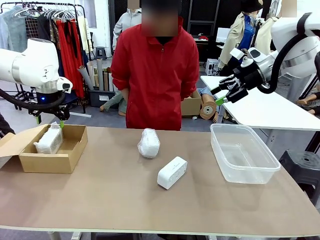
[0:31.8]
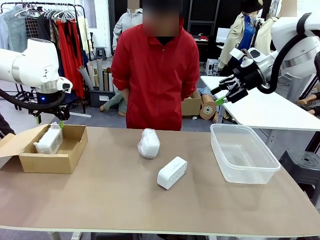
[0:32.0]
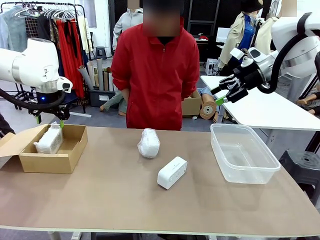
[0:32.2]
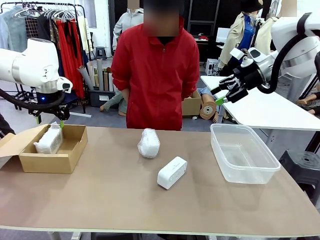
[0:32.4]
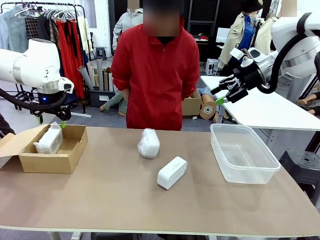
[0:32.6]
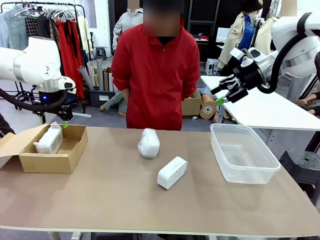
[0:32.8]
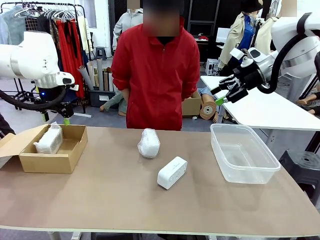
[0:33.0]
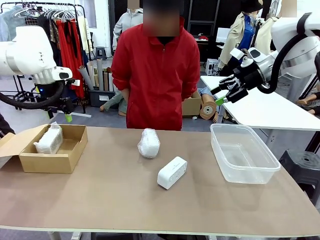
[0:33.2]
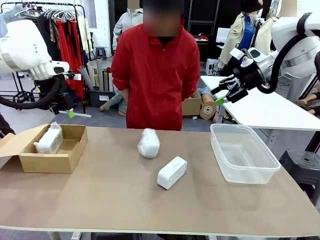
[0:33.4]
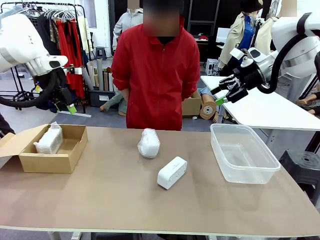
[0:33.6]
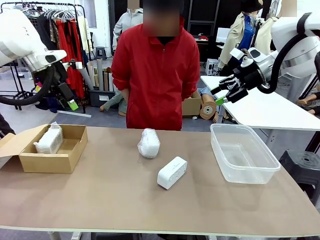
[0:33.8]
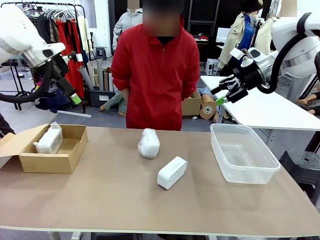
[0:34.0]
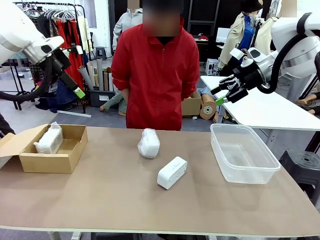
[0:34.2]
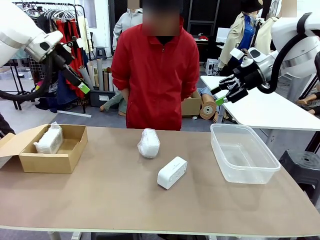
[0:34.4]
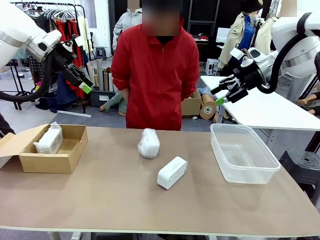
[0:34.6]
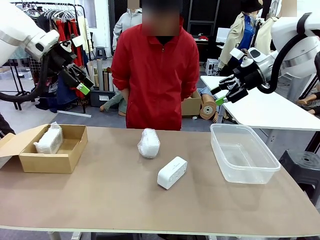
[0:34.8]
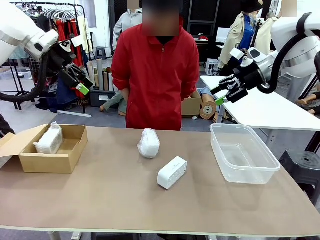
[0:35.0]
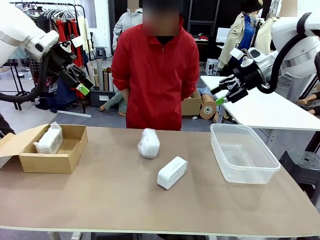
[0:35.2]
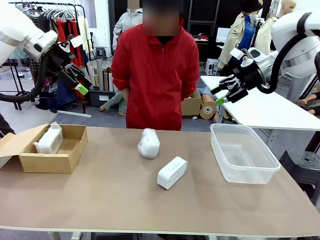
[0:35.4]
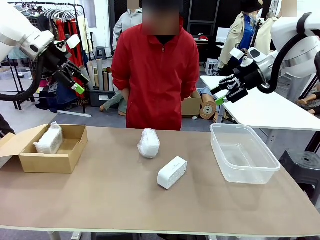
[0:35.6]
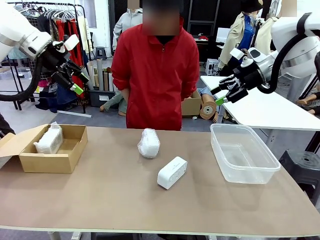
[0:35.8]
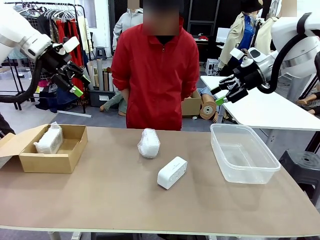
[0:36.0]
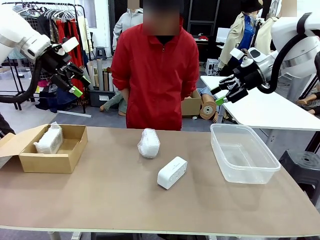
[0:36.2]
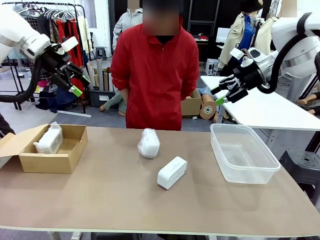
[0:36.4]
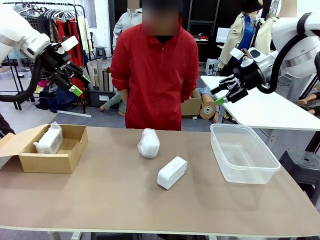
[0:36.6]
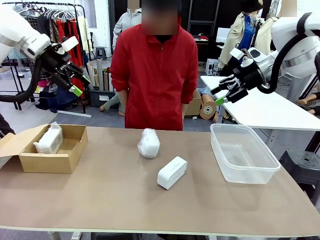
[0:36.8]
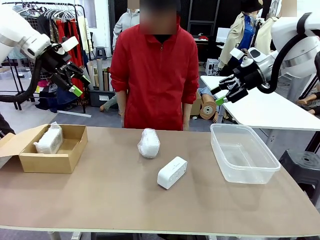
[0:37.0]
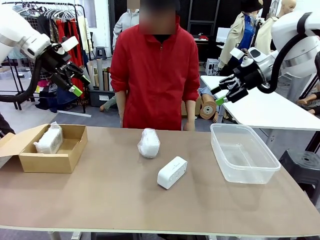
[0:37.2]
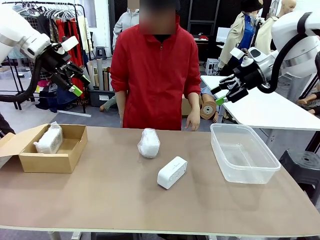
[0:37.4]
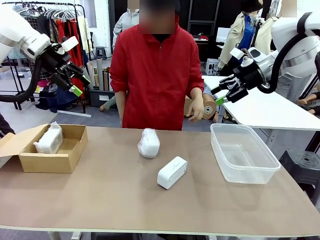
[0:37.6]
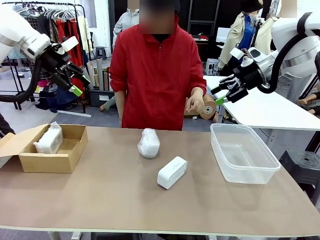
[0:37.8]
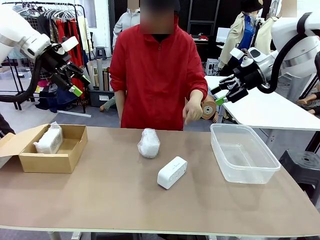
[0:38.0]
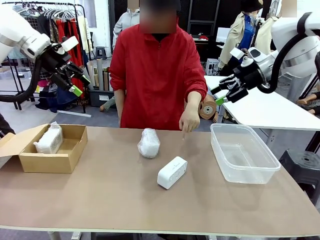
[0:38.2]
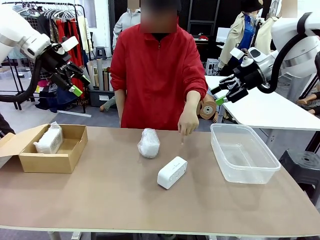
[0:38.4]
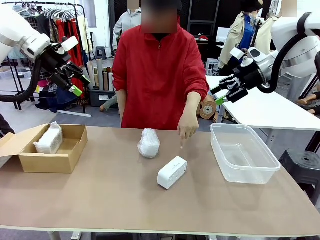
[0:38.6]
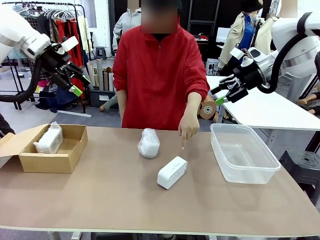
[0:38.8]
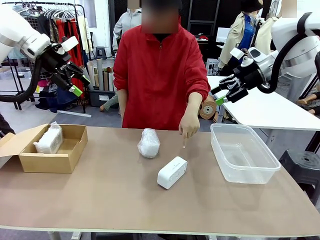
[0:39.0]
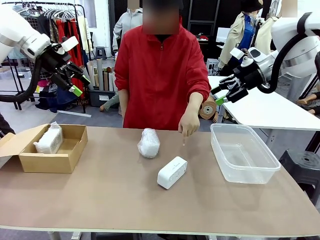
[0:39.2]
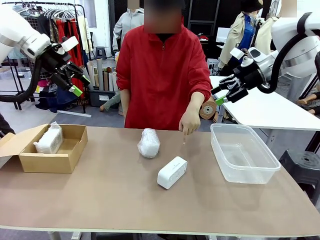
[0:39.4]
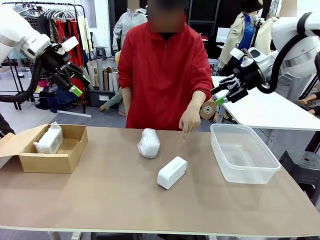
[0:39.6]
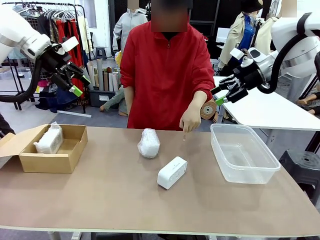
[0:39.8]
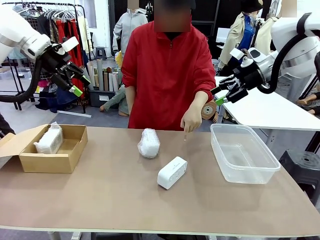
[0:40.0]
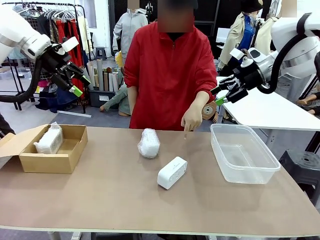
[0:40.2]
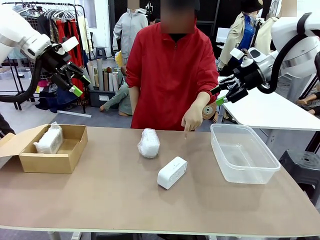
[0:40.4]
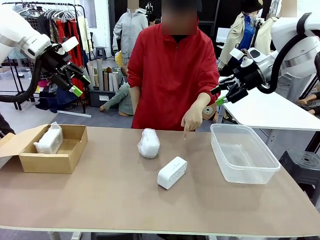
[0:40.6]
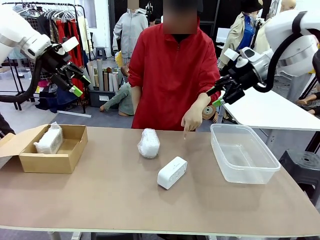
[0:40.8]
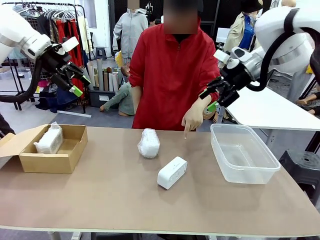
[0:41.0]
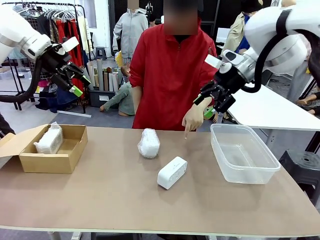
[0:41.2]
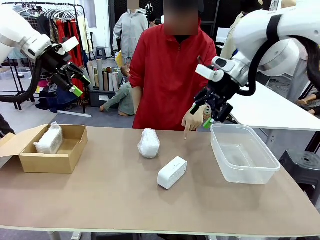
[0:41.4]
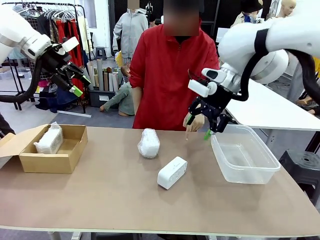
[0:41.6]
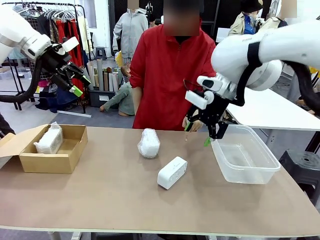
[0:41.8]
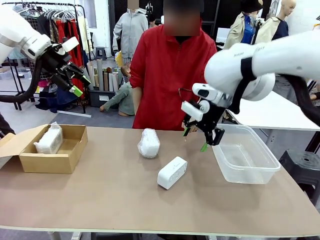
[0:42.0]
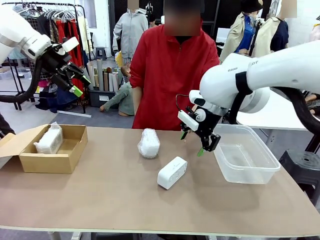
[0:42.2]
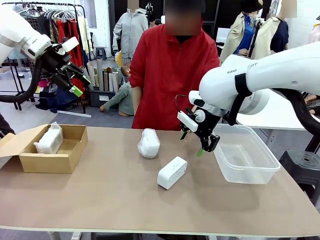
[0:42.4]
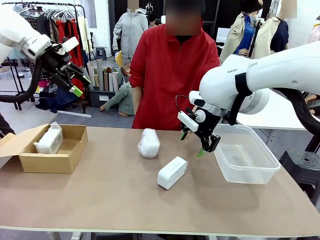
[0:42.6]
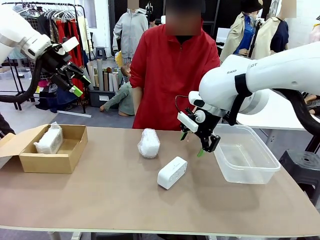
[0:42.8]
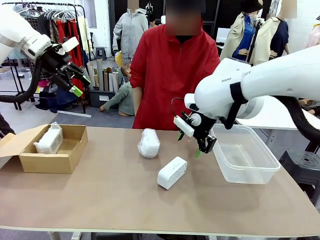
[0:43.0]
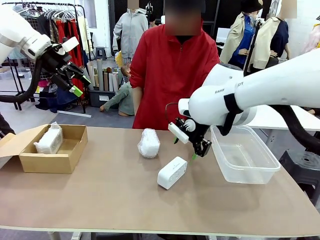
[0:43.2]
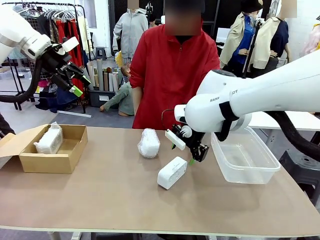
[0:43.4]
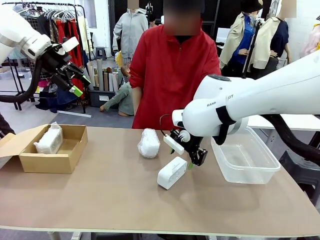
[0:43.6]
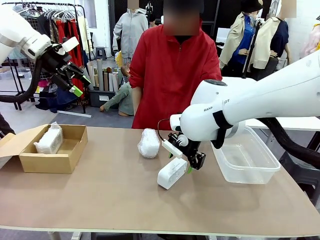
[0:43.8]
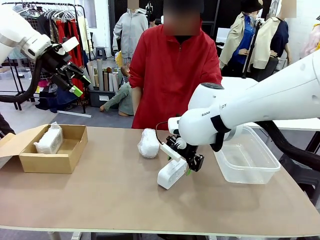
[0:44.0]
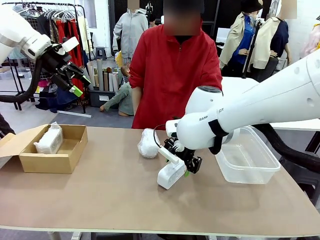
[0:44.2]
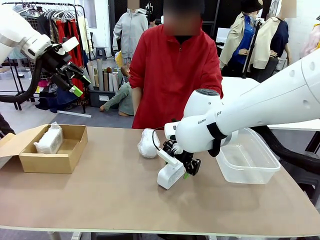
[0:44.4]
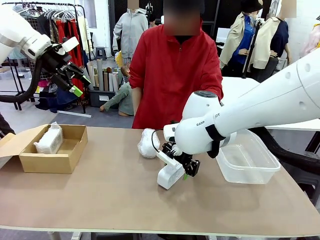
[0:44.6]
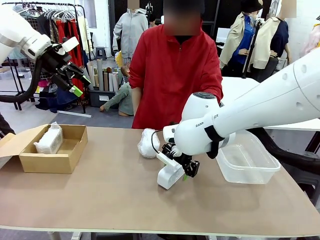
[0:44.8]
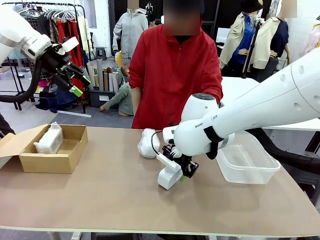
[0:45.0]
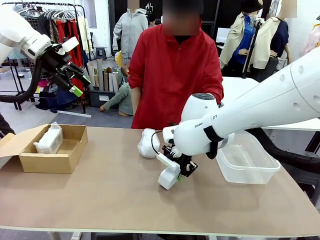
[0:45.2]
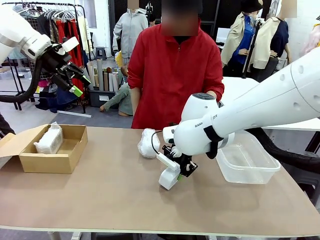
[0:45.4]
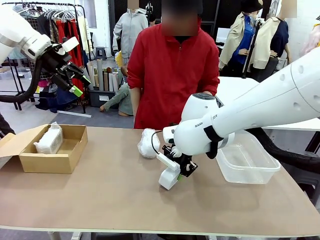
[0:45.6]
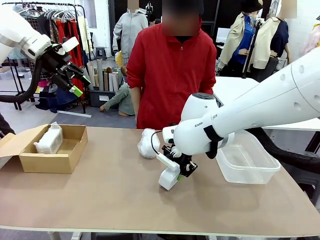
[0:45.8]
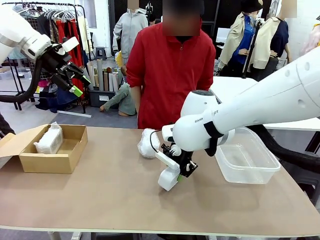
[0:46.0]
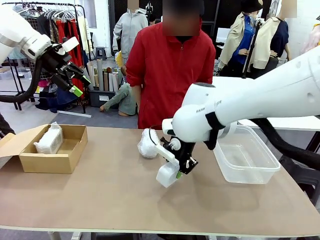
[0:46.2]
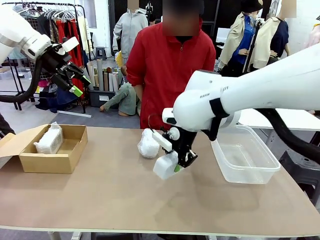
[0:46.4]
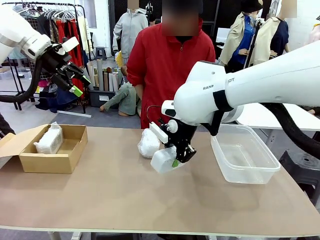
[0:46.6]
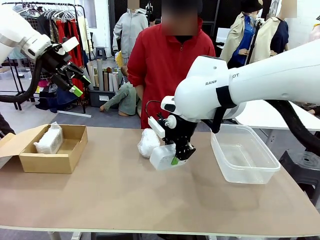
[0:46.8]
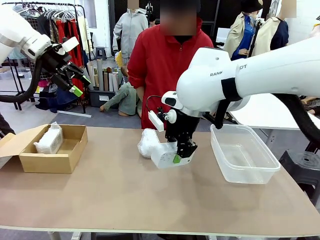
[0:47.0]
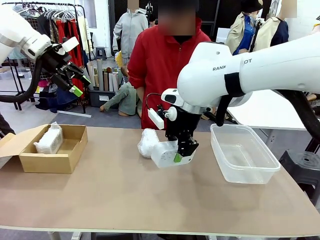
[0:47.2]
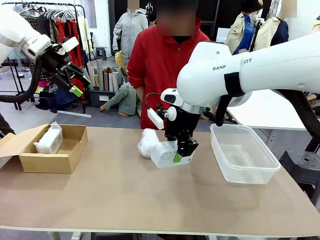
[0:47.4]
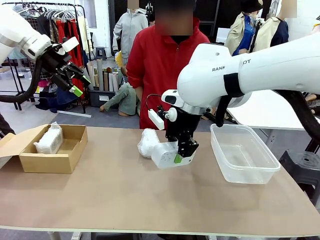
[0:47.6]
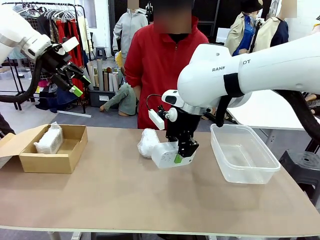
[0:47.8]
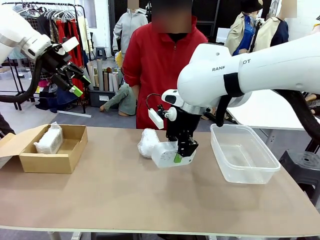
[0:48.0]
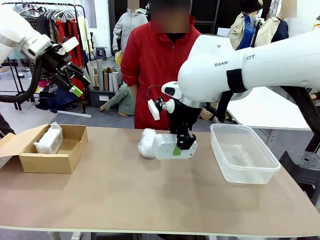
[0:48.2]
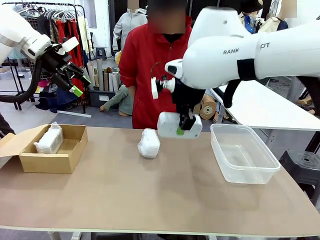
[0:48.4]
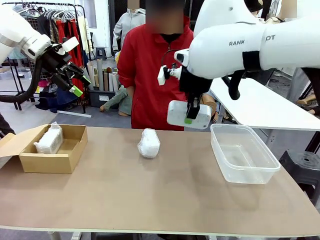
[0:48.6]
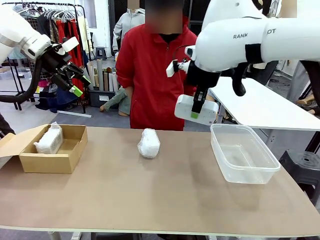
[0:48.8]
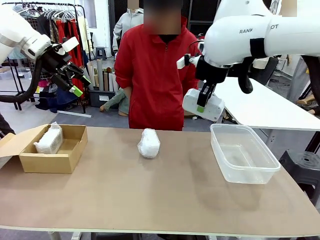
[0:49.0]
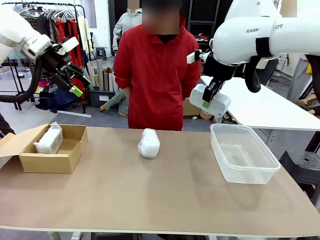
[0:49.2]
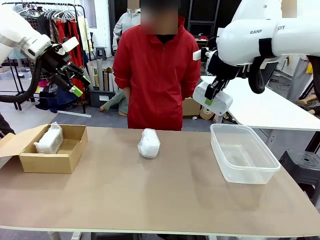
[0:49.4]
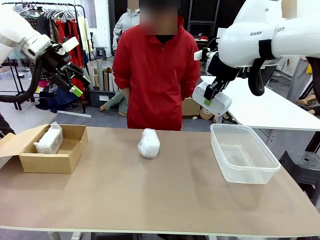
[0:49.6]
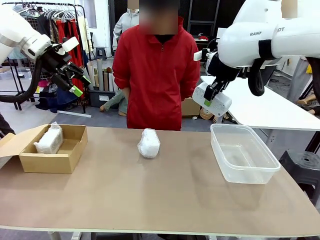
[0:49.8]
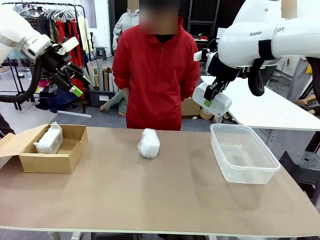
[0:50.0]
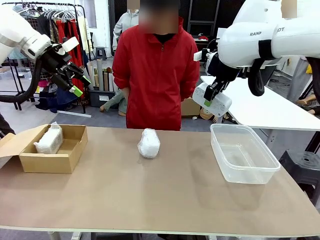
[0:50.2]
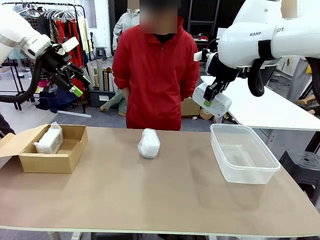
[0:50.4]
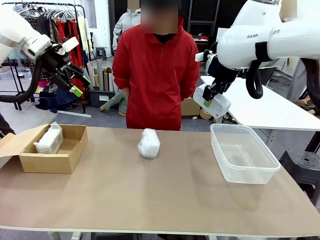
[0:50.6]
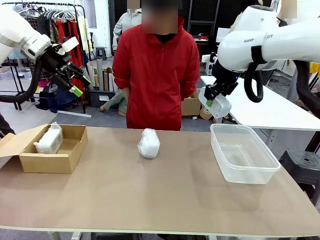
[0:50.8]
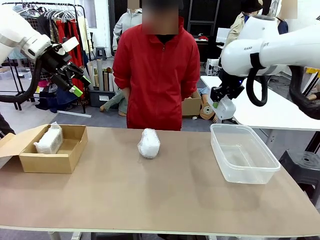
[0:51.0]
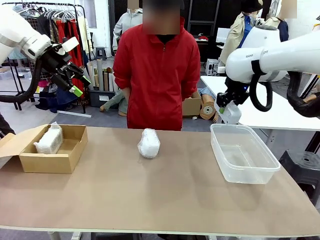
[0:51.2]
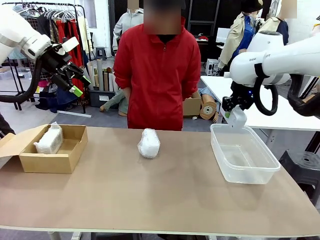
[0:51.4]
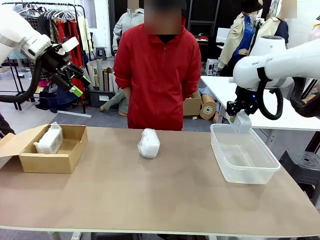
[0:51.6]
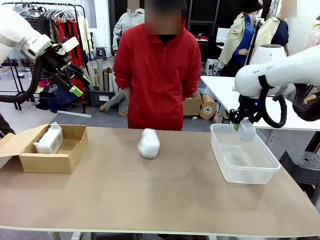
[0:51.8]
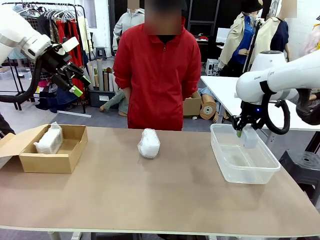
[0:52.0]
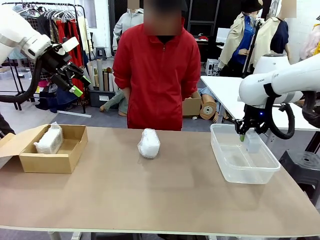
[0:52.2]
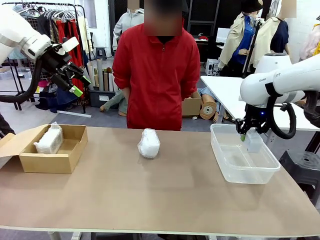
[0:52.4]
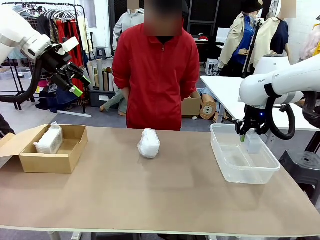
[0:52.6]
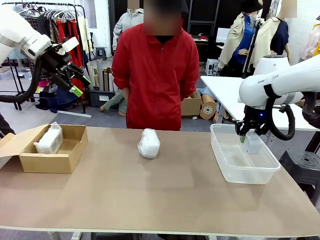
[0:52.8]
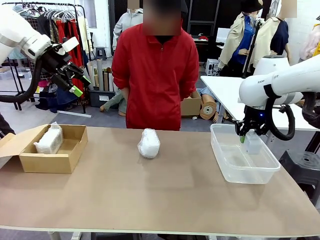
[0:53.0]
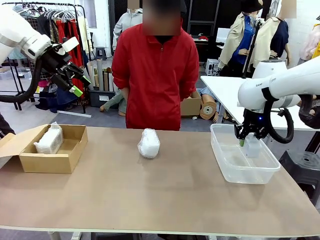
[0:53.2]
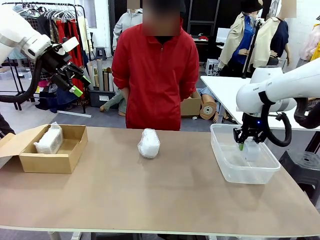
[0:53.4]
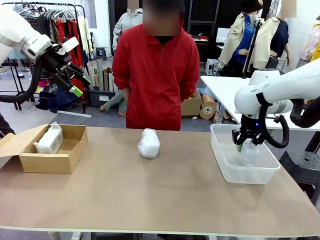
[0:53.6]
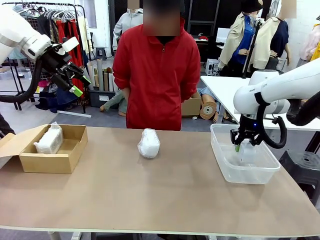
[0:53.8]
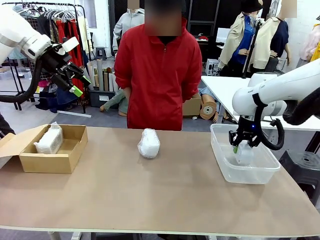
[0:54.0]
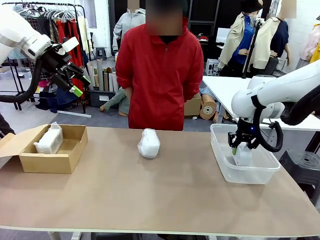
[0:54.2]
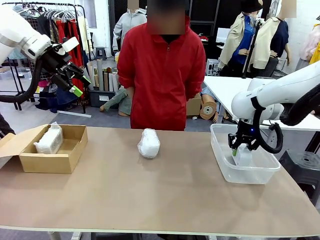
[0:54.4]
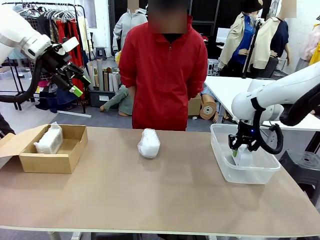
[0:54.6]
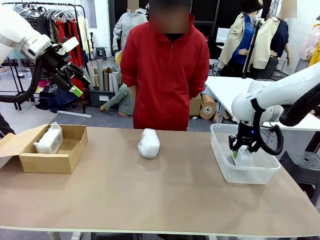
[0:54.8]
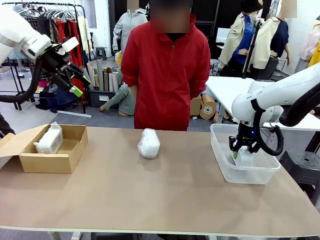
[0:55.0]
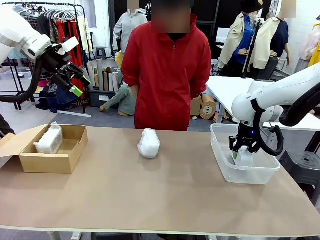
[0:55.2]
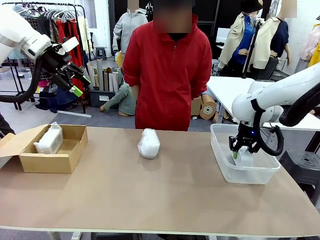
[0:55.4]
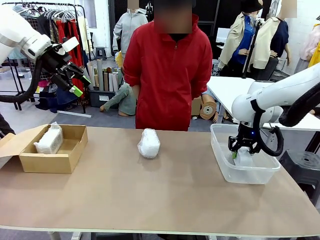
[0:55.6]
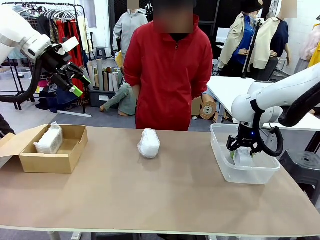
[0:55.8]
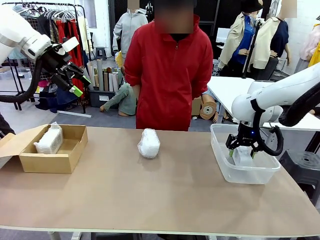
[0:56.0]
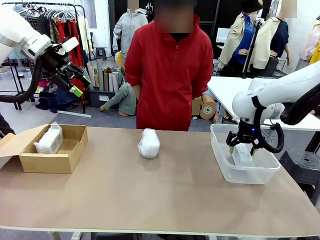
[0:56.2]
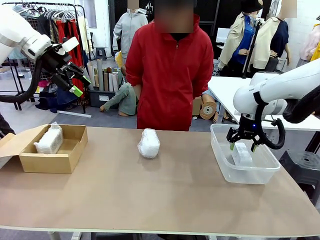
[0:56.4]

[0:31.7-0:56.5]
Task: Separate and place wrapped and unwrapped clocks.
Robot: Pick up the Digital clock indicated by the person.
